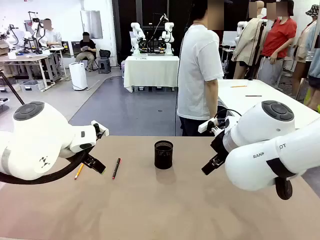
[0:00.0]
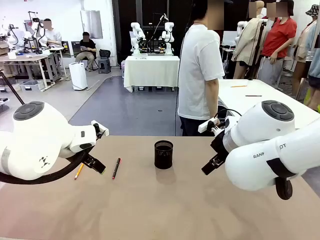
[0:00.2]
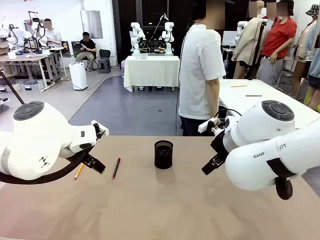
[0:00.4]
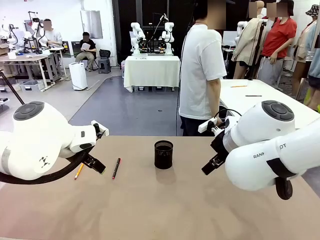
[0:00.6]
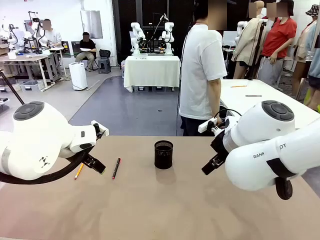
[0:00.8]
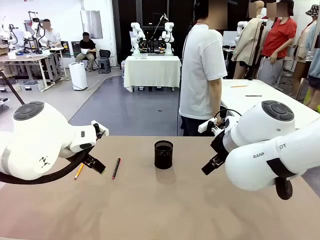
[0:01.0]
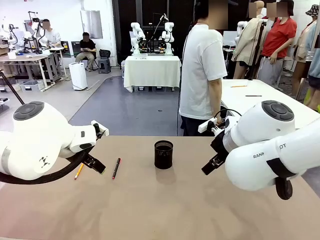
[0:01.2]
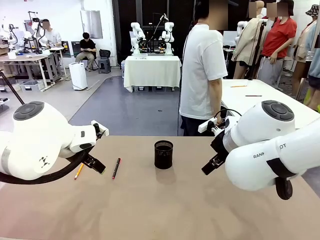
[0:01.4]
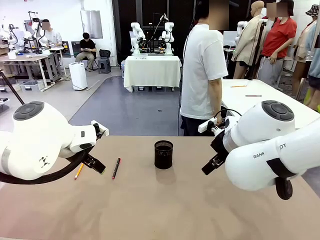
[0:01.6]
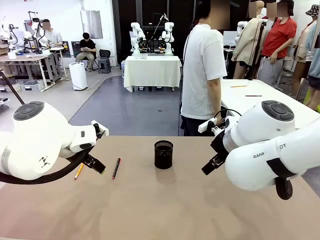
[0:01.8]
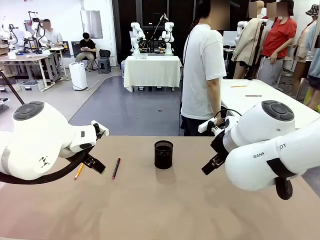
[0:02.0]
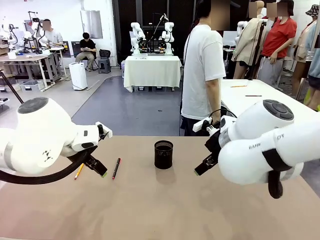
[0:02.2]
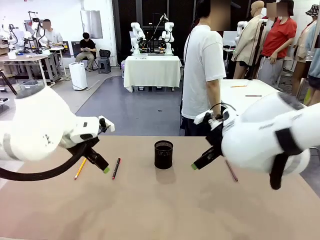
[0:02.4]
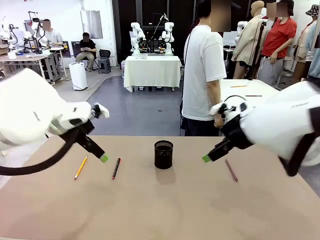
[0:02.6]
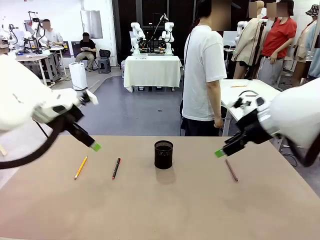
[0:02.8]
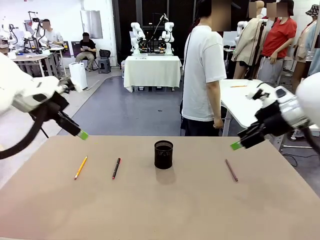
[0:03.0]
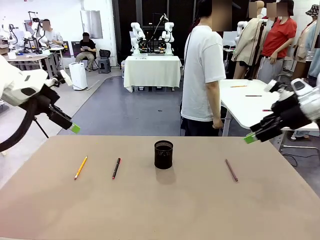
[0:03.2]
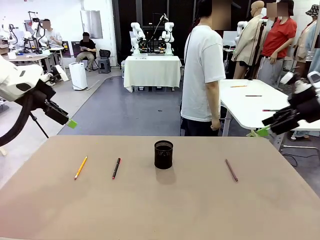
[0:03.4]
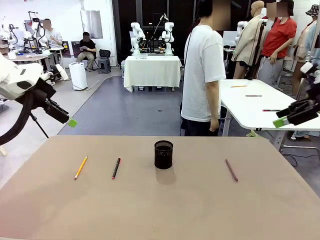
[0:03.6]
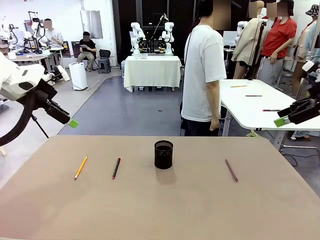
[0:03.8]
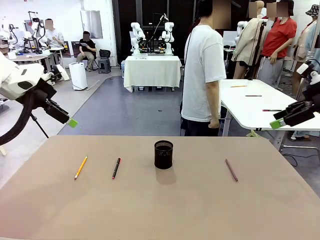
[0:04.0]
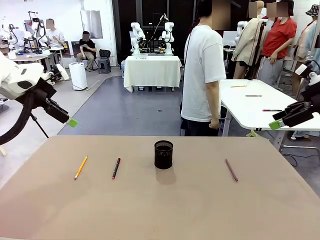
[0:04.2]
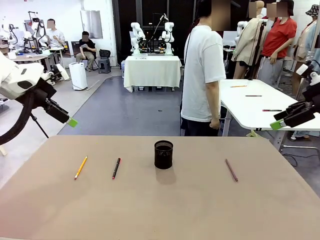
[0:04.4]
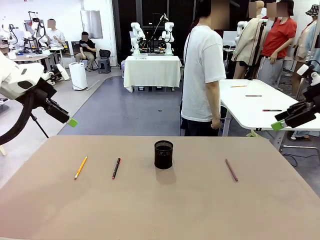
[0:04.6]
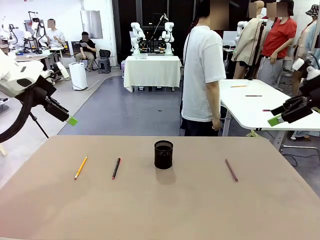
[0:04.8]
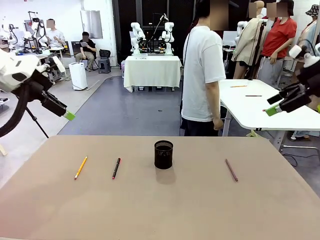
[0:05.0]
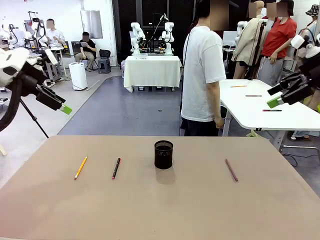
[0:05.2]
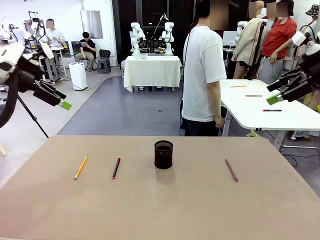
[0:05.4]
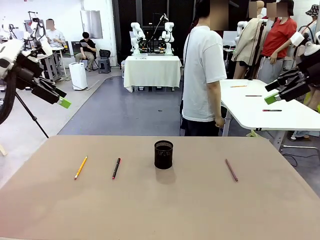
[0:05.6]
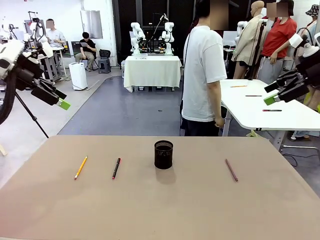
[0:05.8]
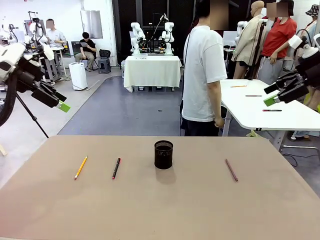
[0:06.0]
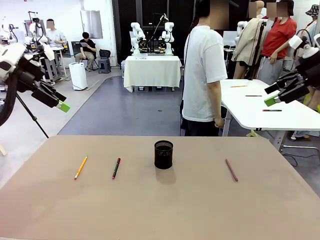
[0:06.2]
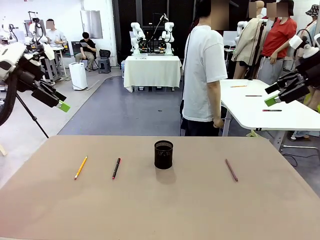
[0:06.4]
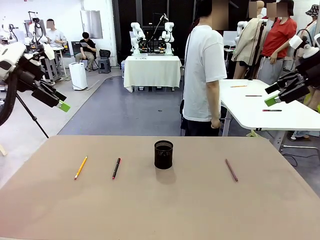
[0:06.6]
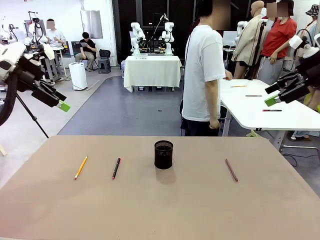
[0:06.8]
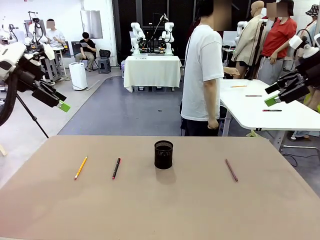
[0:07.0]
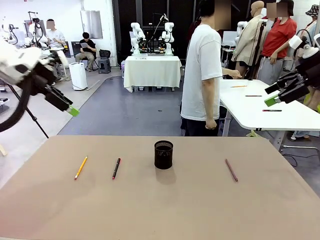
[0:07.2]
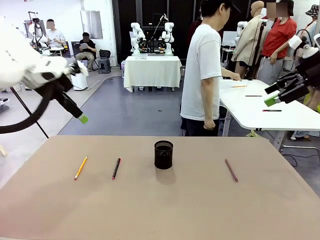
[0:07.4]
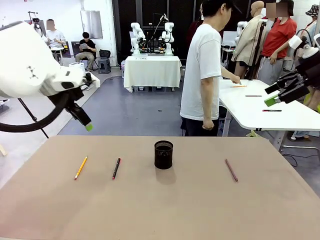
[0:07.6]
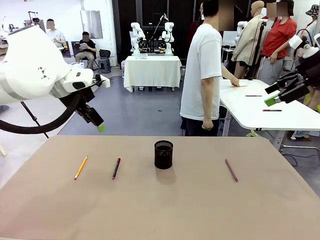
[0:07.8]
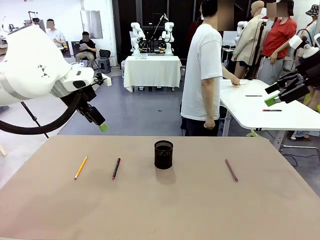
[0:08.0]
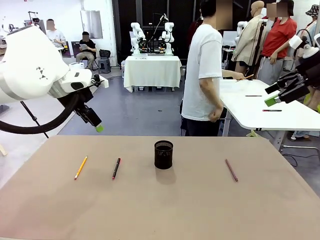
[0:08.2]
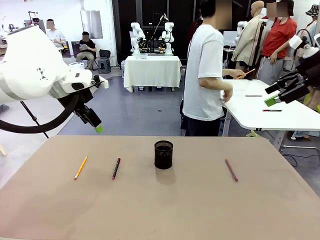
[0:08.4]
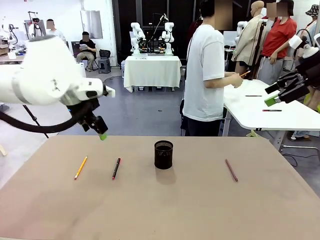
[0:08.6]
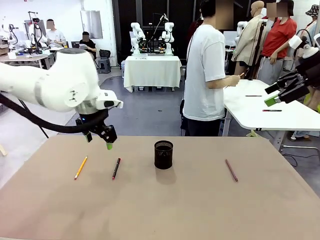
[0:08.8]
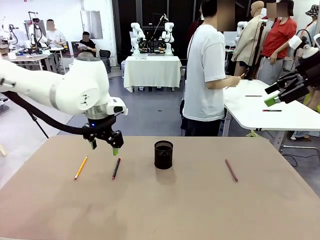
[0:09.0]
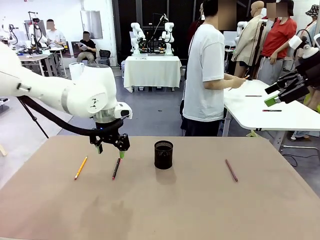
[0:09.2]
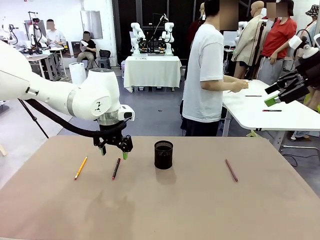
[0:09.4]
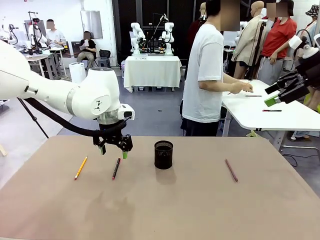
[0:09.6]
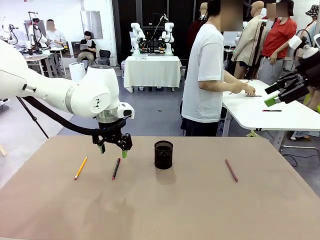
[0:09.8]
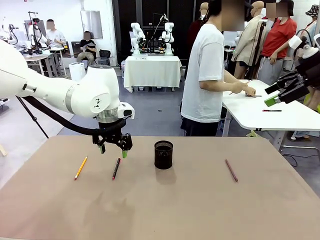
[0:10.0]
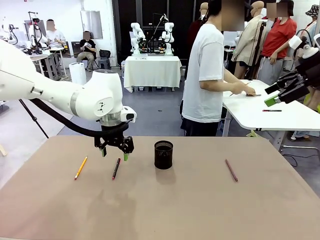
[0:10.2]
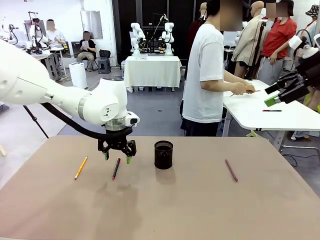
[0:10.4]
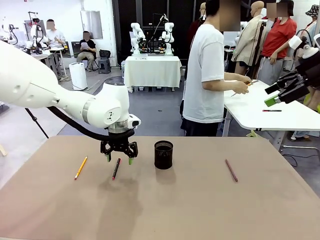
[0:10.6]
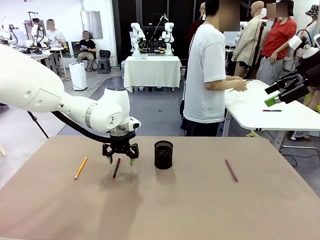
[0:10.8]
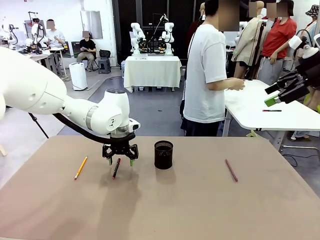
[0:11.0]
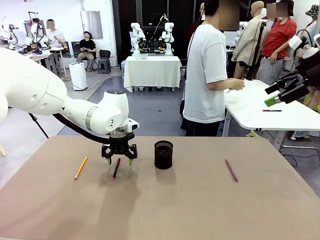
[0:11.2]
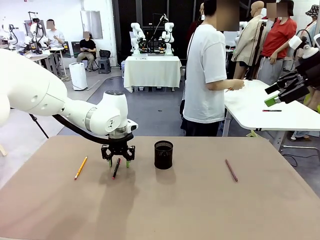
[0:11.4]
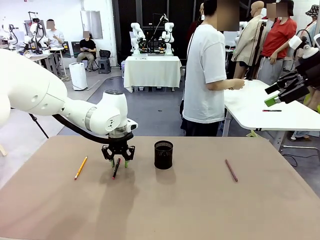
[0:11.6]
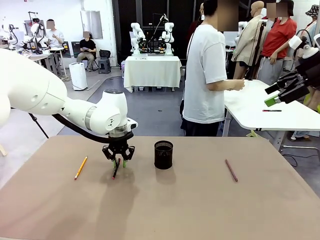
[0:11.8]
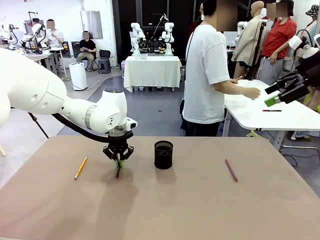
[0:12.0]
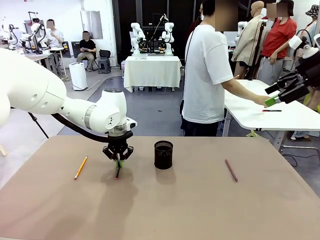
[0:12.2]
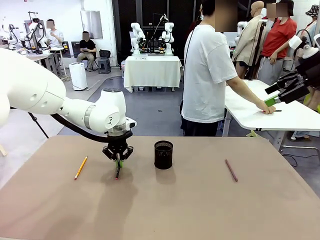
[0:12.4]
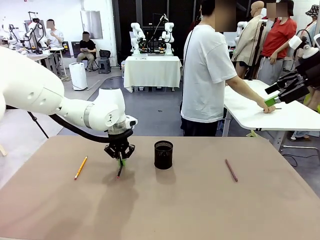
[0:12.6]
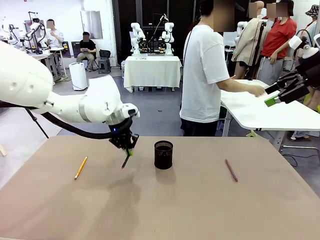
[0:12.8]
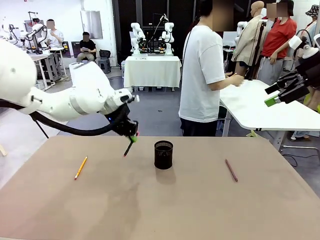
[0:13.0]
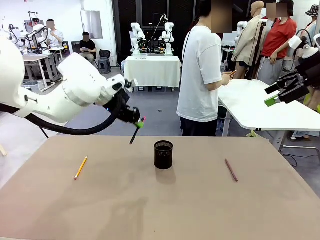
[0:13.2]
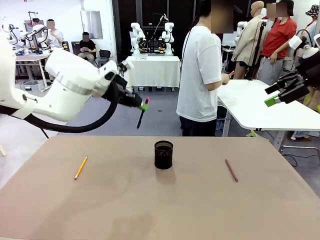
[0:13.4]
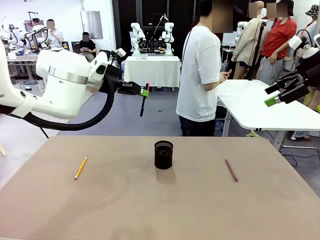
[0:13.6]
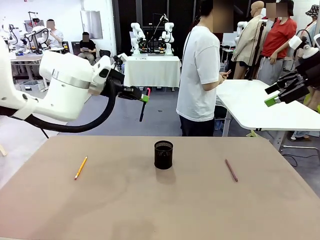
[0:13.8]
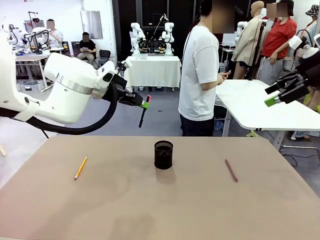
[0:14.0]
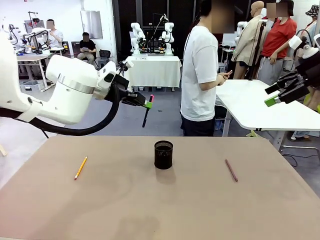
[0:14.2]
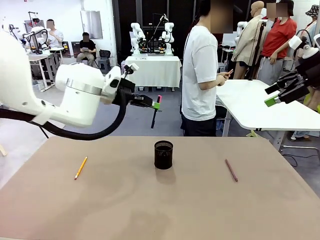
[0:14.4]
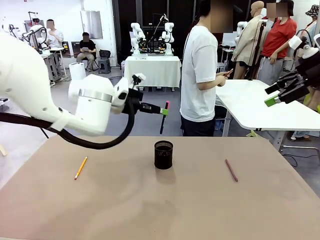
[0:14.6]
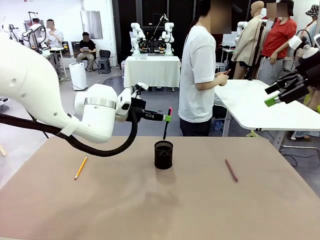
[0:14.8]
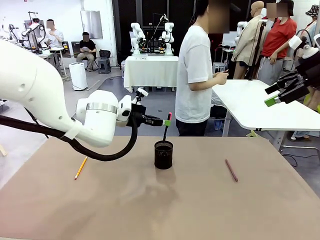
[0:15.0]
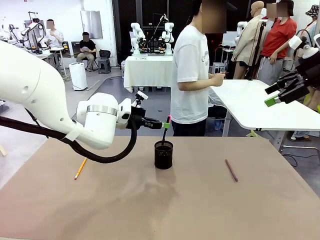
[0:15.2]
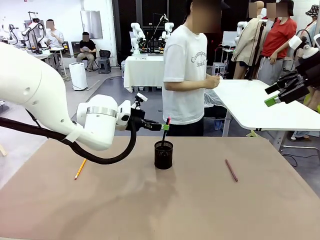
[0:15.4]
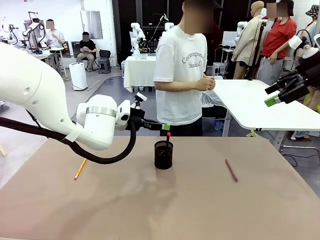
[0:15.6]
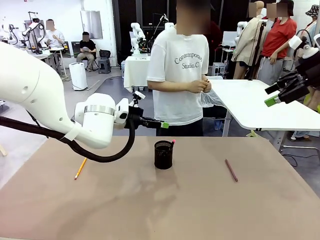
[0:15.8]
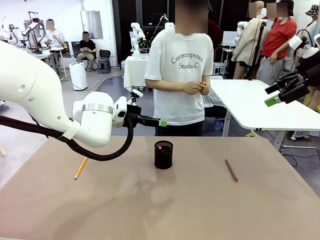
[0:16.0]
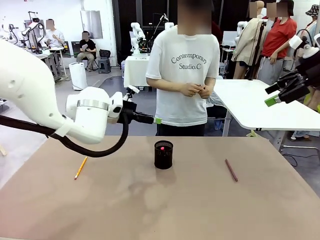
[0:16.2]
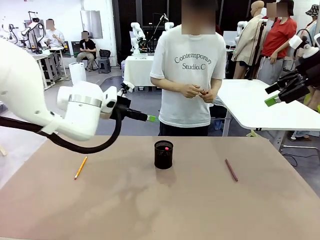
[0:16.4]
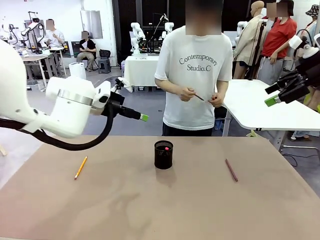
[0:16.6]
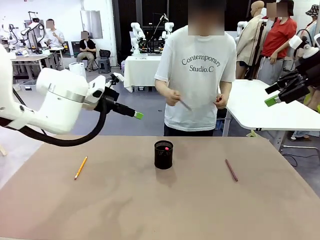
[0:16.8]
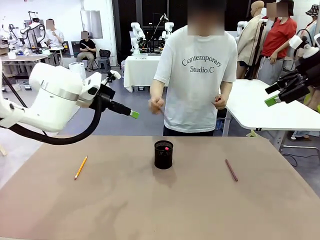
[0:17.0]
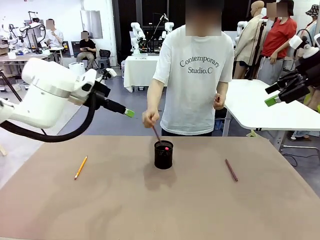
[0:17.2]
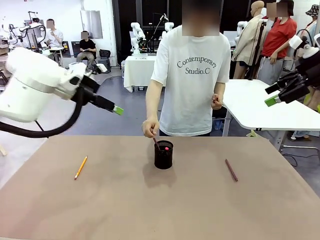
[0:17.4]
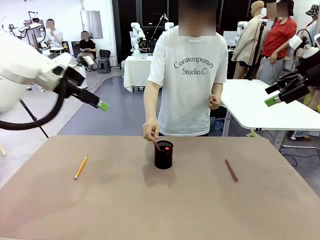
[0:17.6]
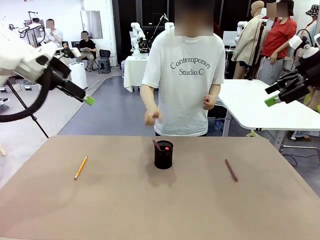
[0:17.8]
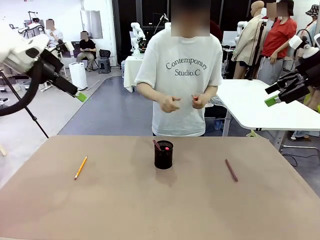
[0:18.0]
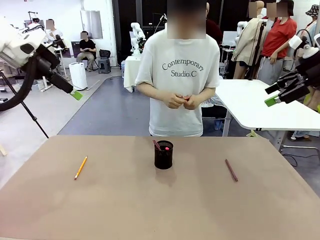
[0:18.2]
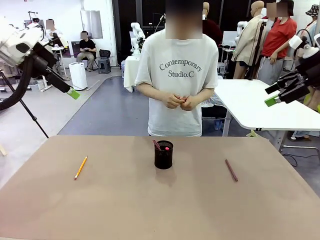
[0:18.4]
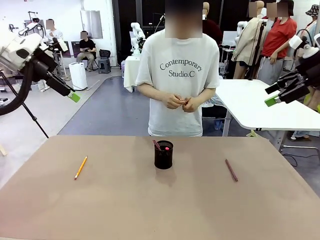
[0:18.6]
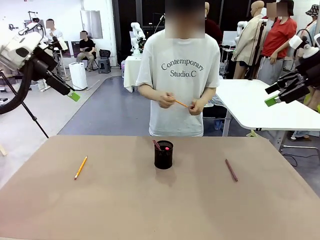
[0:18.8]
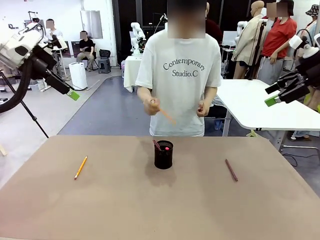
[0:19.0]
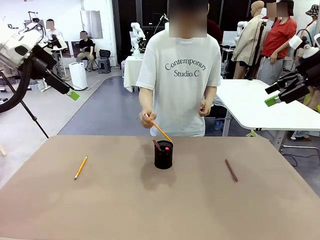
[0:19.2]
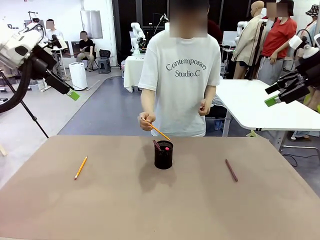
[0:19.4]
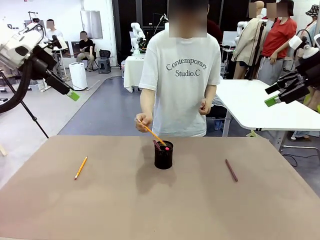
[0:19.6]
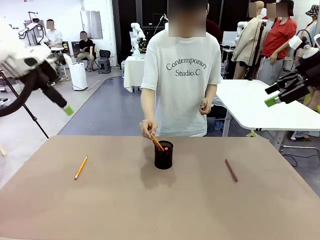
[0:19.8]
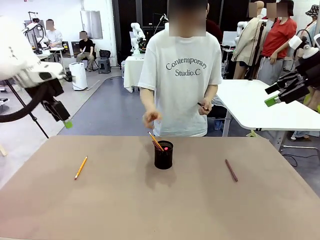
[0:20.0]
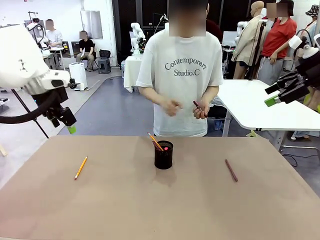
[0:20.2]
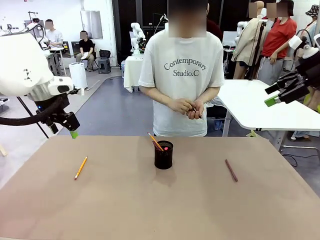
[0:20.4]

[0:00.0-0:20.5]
Task: Place the pens into the pen holder.
Robot: Pick up a writing instrument from the table and place it into the Pen holder.
Person: Pick up all writing instruments from the Human table.
